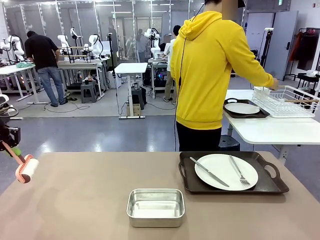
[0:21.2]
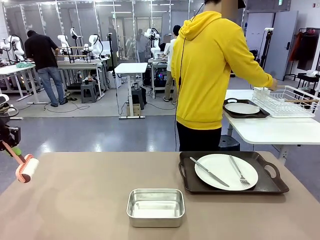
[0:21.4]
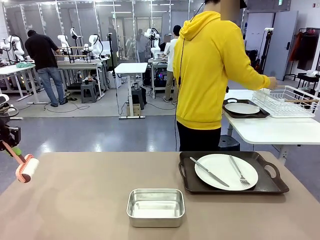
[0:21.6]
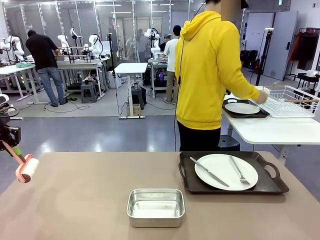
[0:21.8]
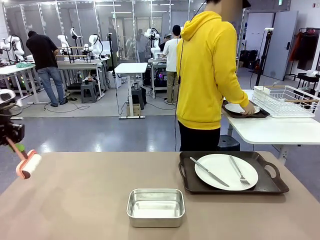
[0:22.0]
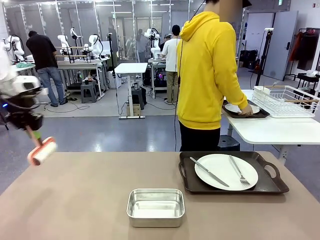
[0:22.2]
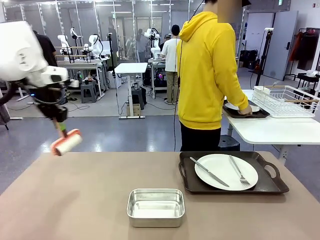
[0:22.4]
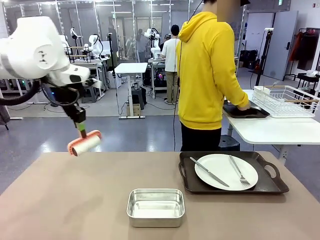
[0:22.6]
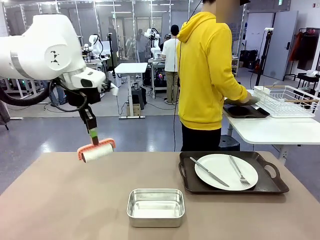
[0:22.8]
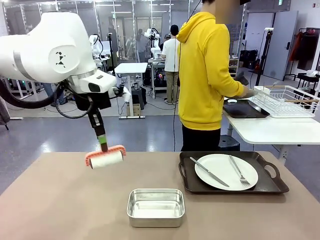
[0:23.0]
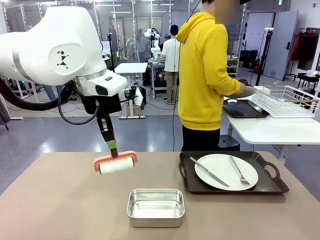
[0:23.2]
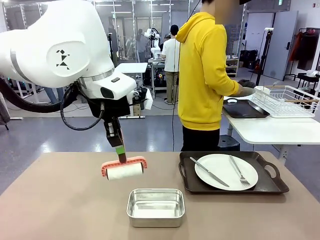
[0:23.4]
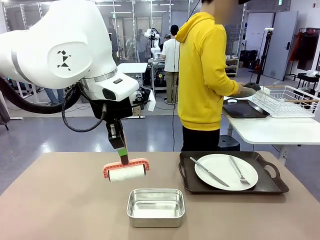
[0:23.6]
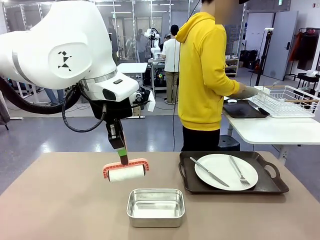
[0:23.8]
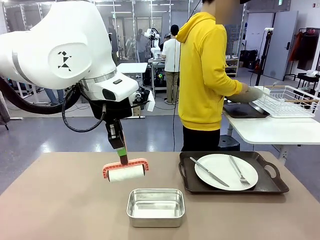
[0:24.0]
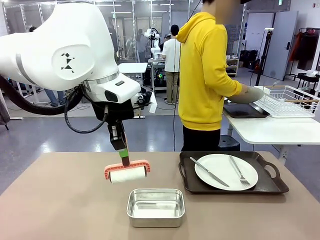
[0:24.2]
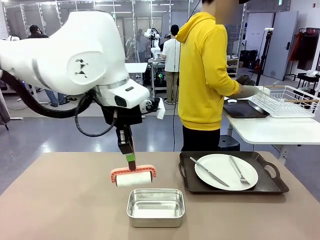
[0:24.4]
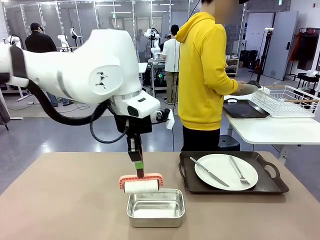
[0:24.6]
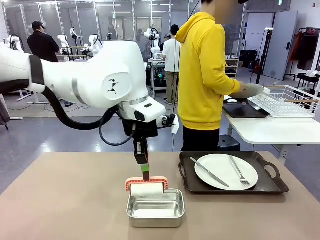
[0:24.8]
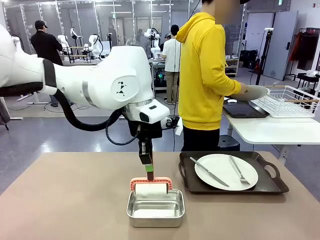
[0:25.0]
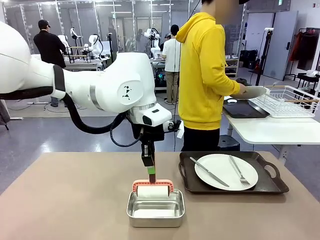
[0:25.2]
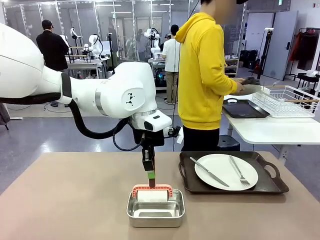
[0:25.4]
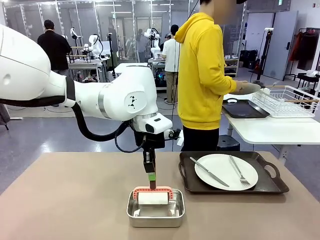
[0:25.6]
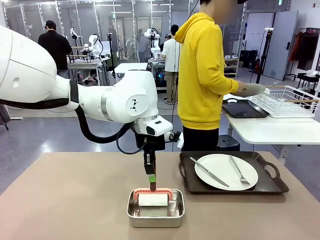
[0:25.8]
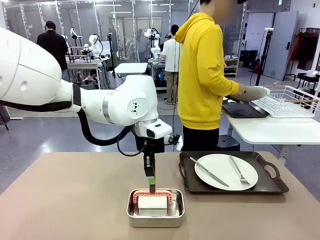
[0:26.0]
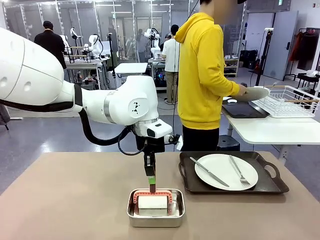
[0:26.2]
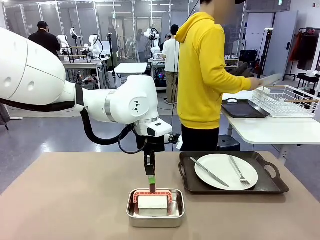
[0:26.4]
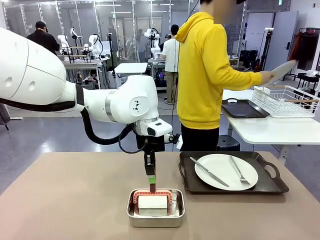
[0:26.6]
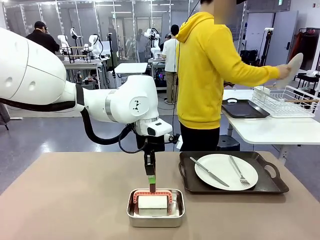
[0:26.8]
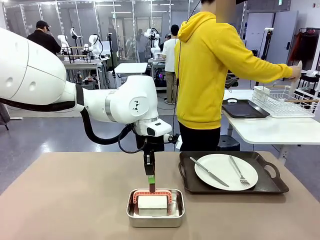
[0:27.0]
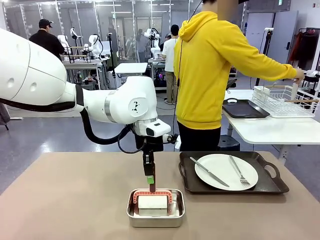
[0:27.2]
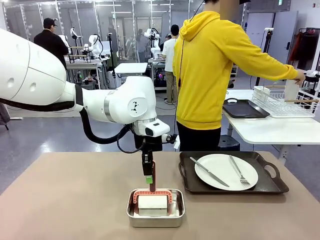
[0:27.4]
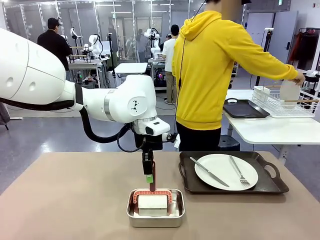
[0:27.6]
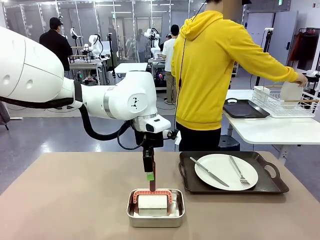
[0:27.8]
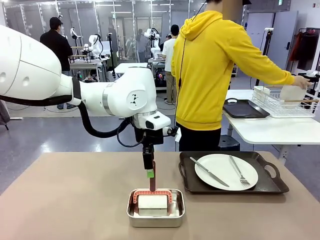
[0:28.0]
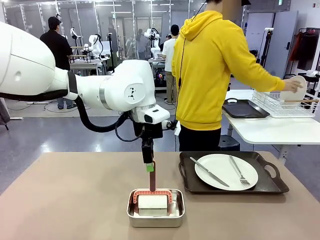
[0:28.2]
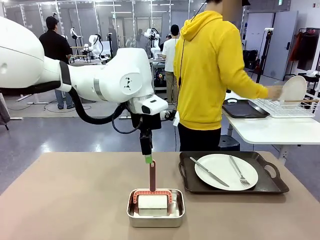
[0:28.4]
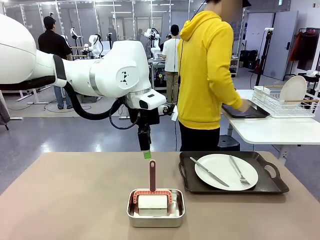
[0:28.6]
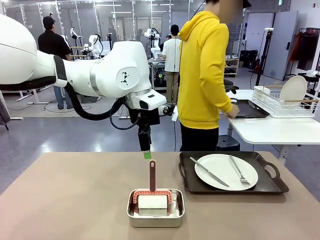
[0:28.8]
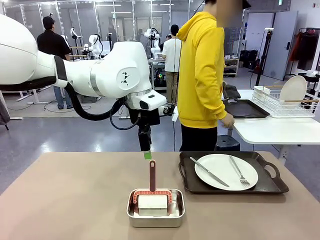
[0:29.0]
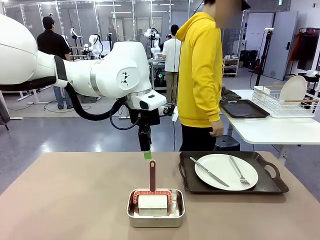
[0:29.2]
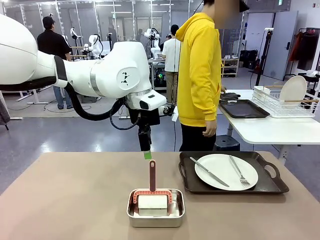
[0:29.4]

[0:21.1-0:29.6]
Robot: Place the Lint Roller back on top of the Airtight Container.

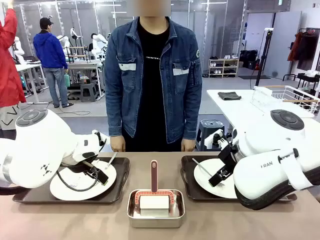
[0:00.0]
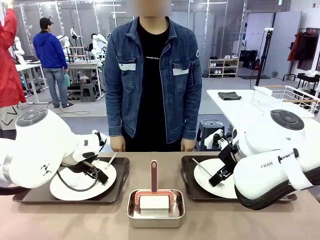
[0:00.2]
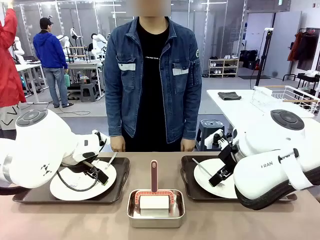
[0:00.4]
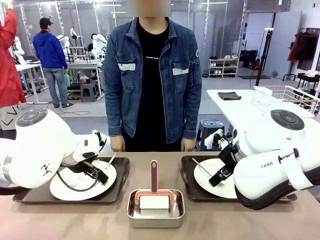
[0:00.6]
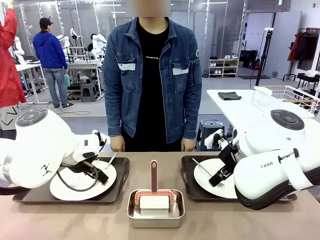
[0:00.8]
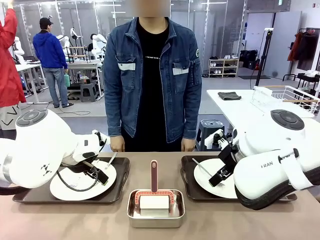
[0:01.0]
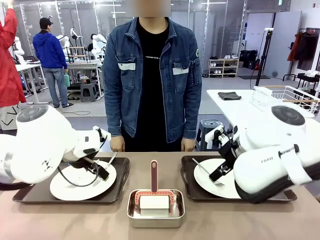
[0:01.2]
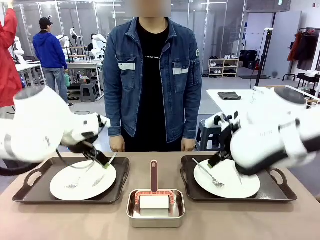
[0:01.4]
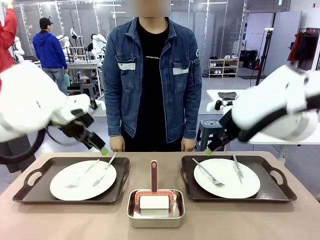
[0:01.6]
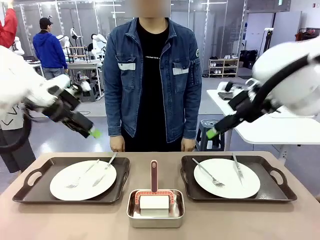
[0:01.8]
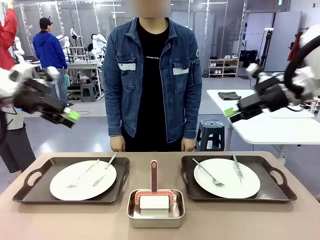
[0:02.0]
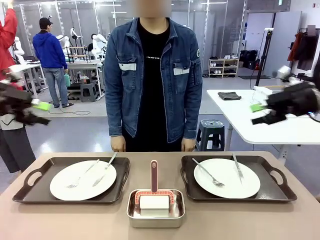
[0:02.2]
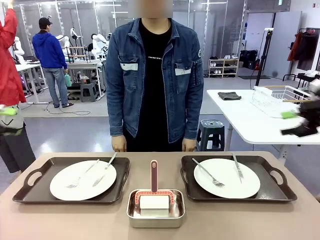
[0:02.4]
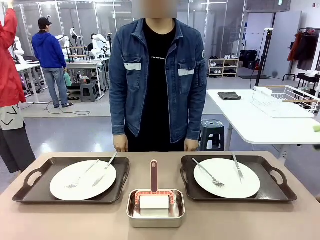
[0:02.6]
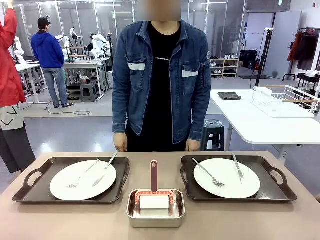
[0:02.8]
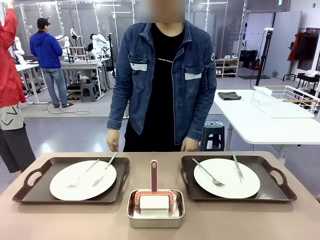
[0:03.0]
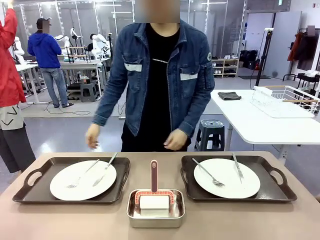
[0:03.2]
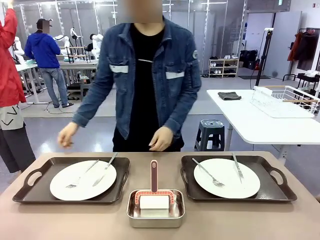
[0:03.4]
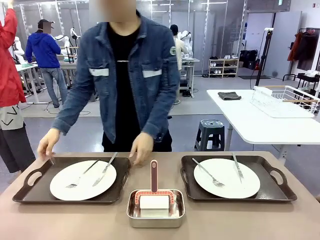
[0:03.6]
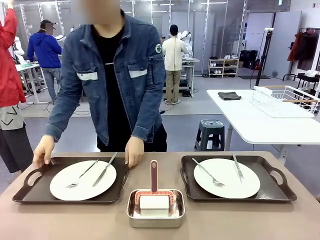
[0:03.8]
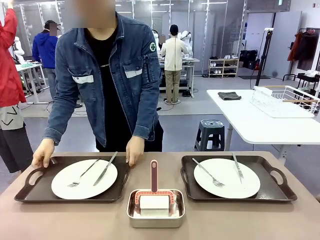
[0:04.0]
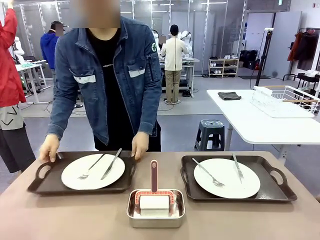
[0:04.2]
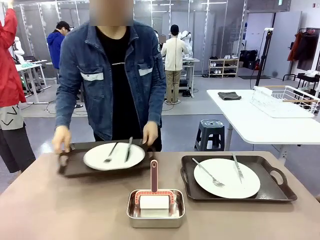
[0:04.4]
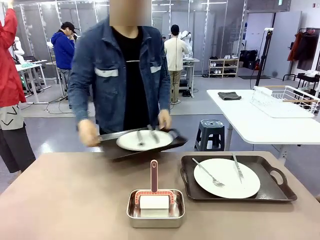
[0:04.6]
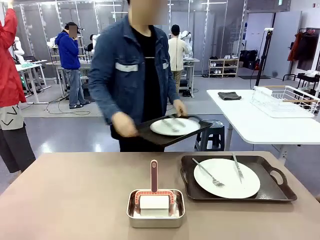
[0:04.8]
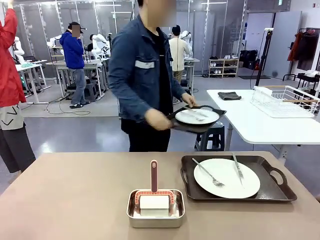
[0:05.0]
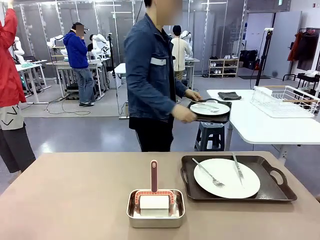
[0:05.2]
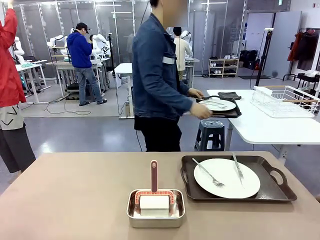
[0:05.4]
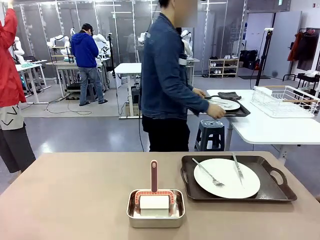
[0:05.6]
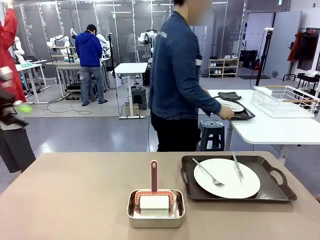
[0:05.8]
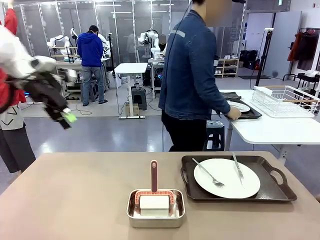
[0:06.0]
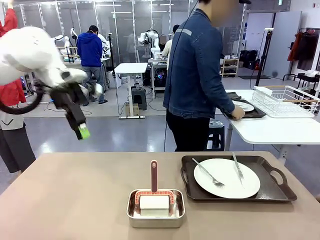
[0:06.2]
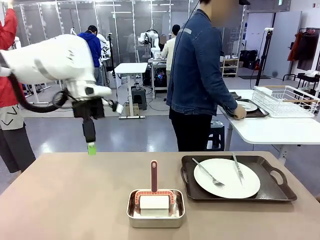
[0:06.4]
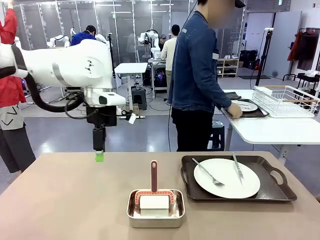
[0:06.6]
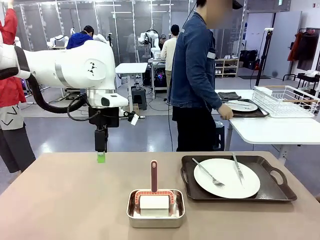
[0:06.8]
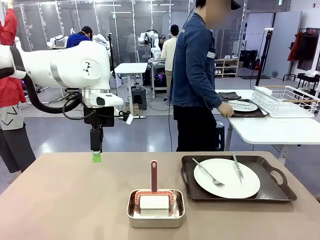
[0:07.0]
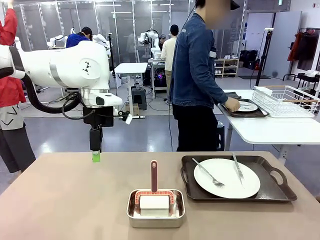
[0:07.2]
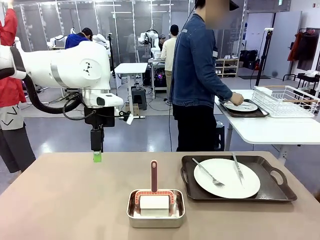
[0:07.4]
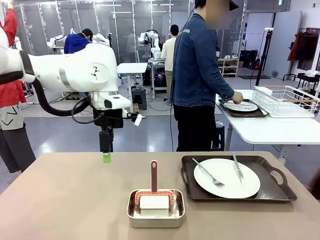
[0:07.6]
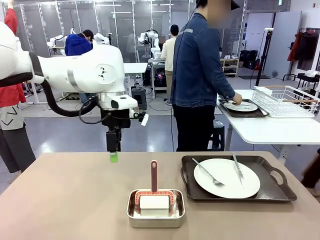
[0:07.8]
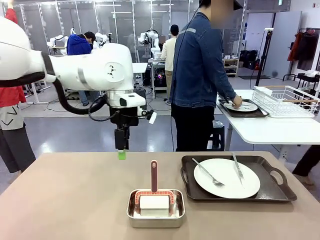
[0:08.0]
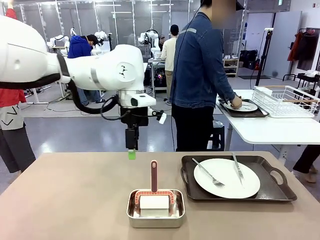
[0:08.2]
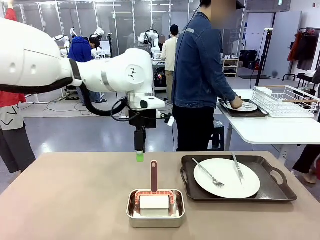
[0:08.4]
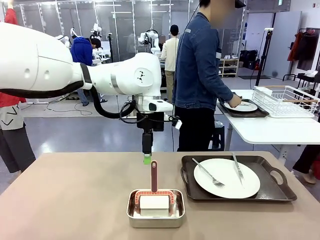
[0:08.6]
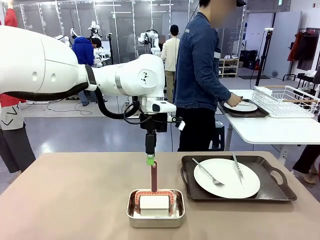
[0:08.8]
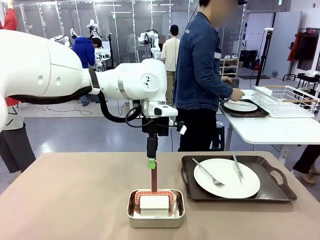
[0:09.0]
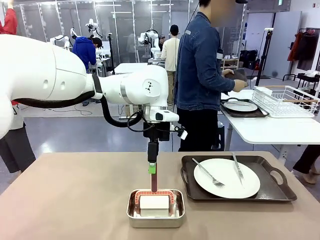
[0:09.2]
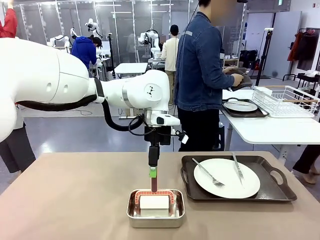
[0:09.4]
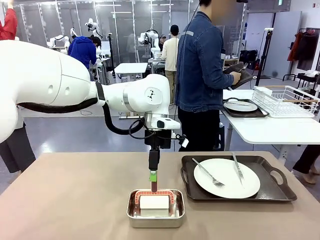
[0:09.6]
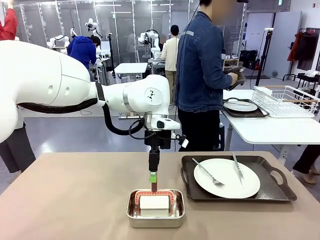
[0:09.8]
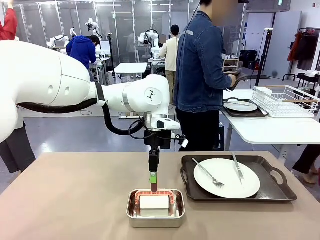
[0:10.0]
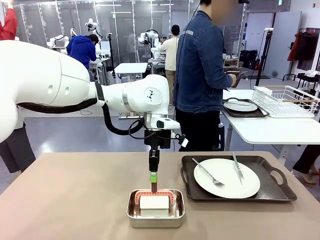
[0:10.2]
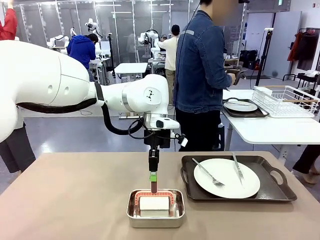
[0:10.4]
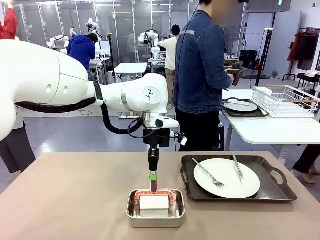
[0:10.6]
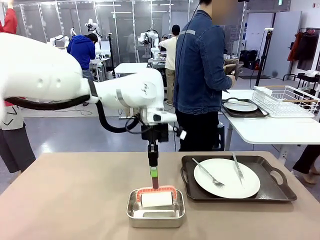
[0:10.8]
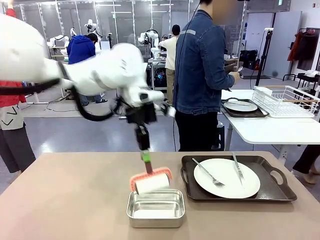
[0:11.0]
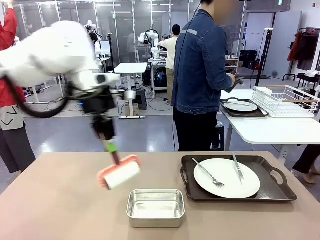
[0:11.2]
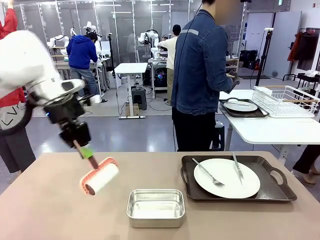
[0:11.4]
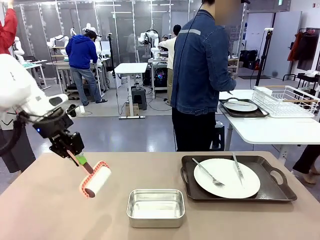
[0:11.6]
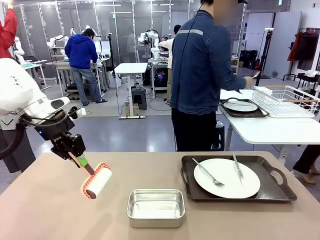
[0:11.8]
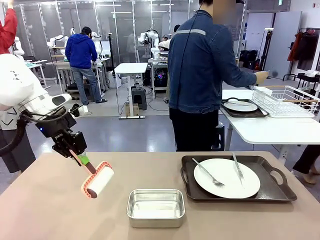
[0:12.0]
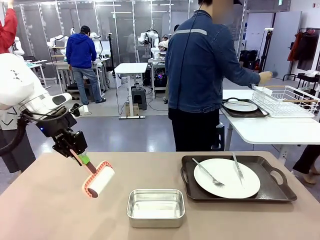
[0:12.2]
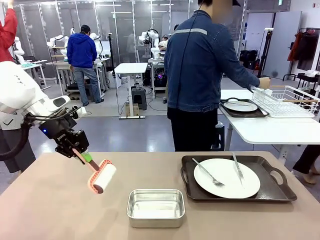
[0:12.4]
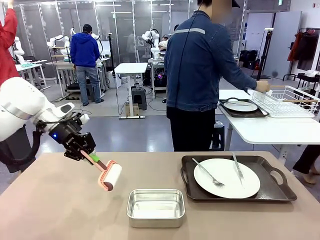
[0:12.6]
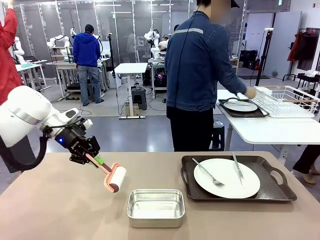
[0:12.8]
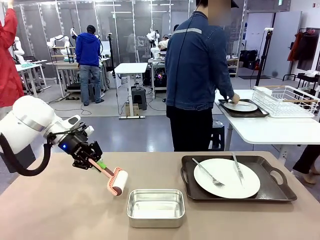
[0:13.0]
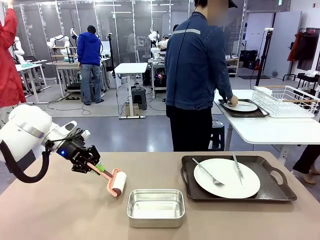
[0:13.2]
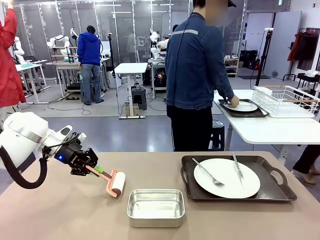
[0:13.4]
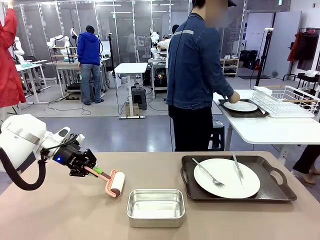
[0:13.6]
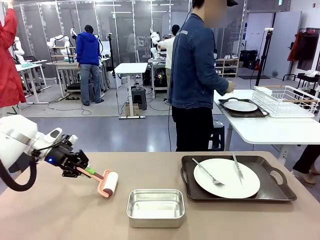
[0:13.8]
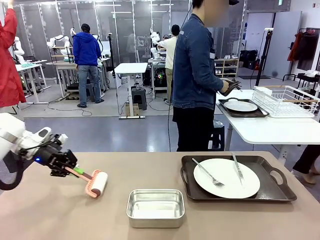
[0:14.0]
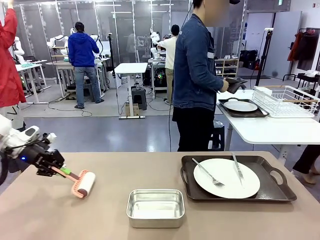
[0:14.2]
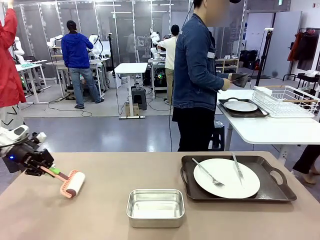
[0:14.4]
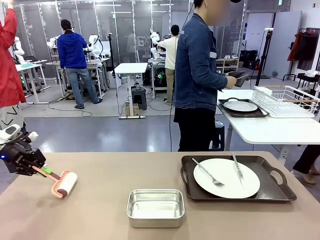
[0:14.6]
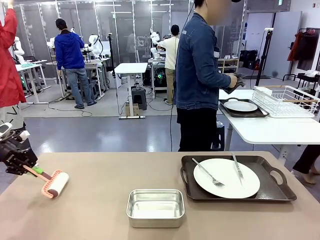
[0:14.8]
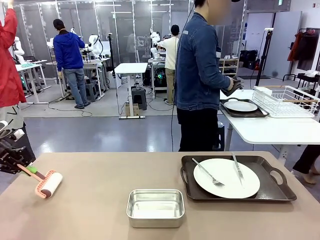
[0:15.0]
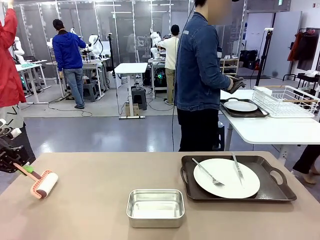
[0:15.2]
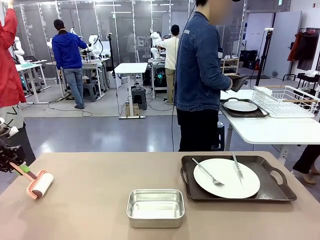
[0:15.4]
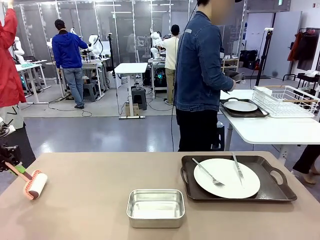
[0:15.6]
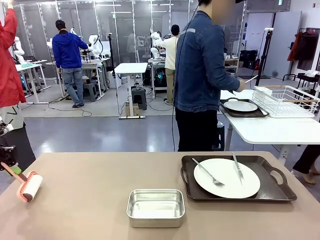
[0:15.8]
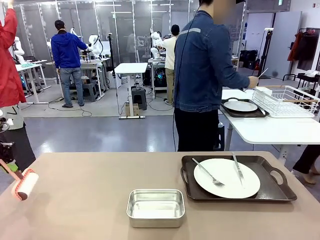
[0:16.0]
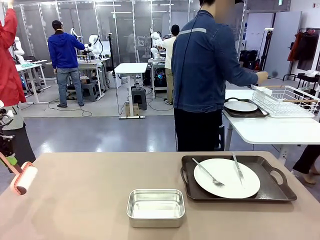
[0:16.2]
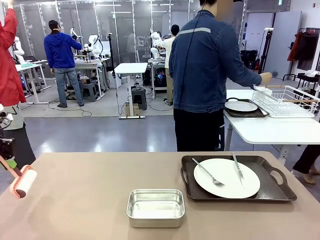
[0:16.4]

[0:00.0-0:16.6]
Robot: When the left (or right) Handle tray is removed, use the left hand (or right hand) to clean the left (or right) side of the table with the Lint Roller.
Person: Pick up the left (or right) Handle tray and place it on the middle of the Human's table. Use the Towel with hook to wipe the Plastic Matte Plate , Fork , and Knife and place into the Dish drying rack.
